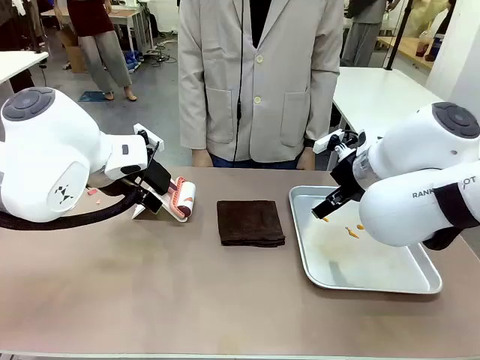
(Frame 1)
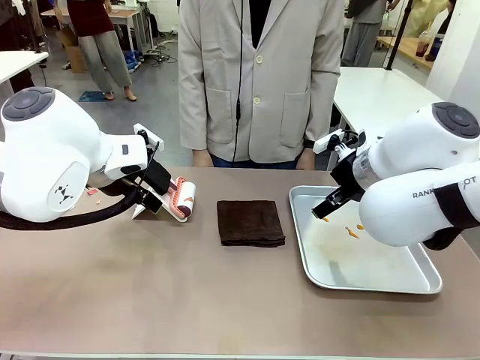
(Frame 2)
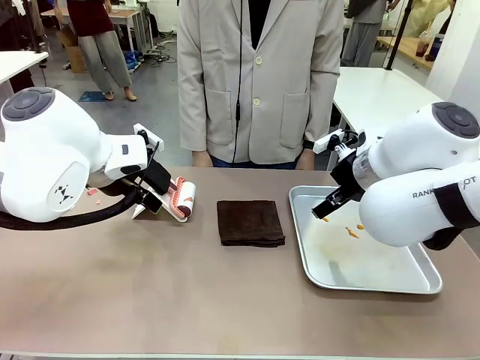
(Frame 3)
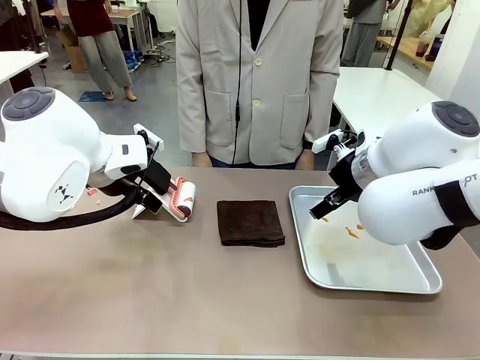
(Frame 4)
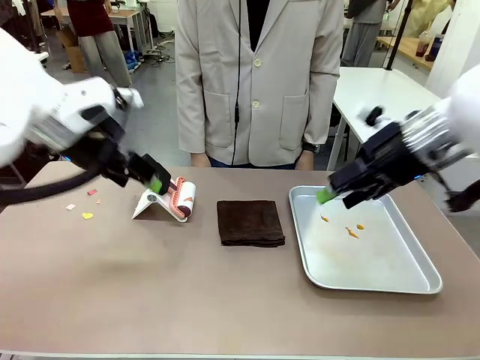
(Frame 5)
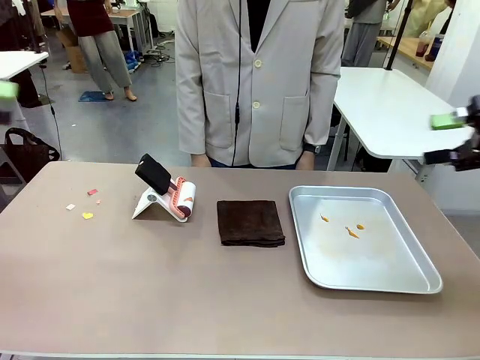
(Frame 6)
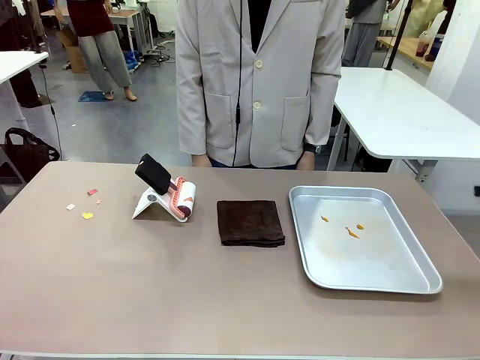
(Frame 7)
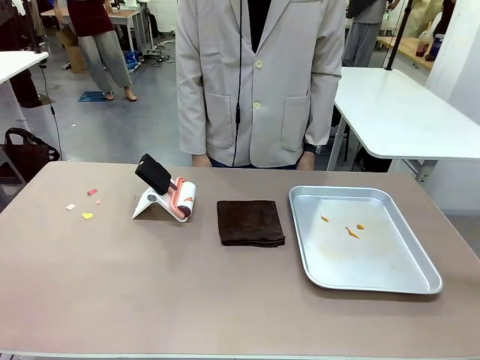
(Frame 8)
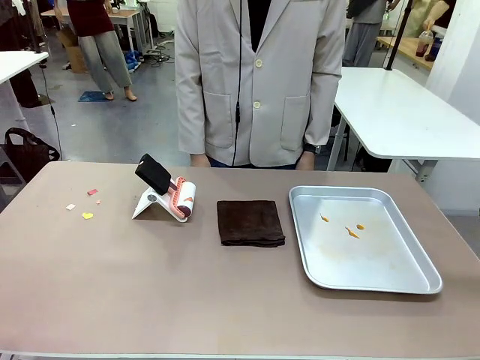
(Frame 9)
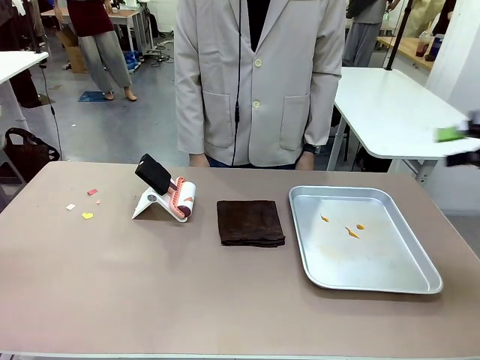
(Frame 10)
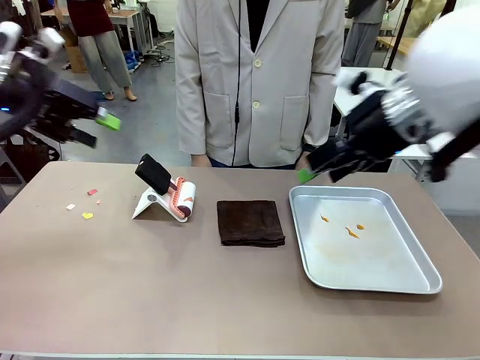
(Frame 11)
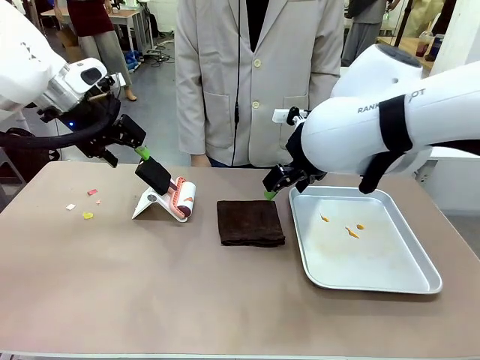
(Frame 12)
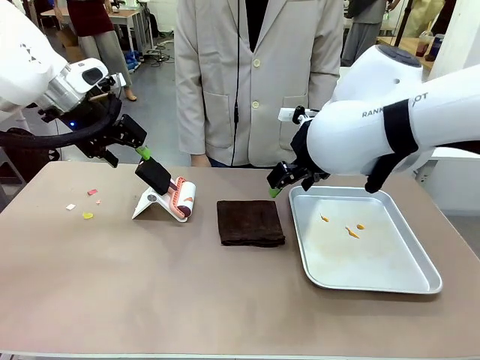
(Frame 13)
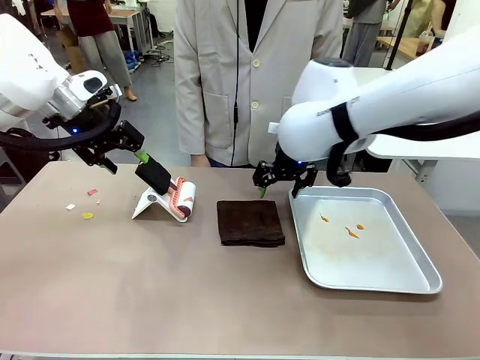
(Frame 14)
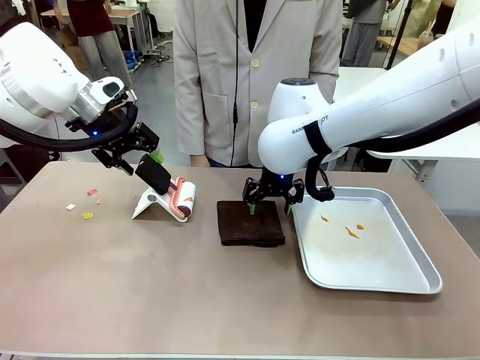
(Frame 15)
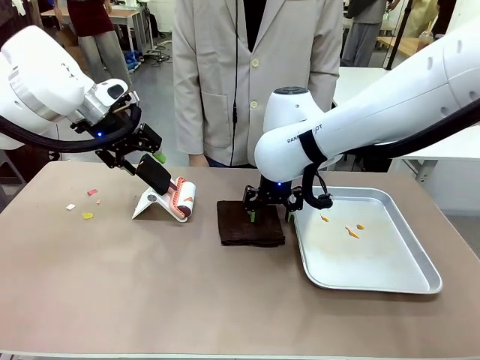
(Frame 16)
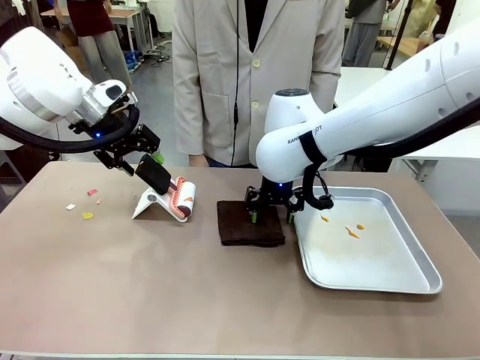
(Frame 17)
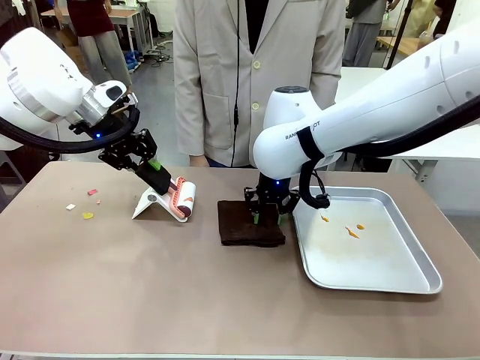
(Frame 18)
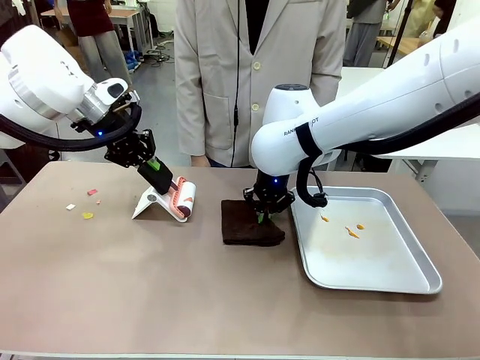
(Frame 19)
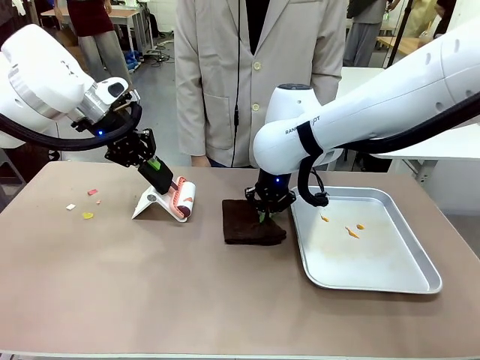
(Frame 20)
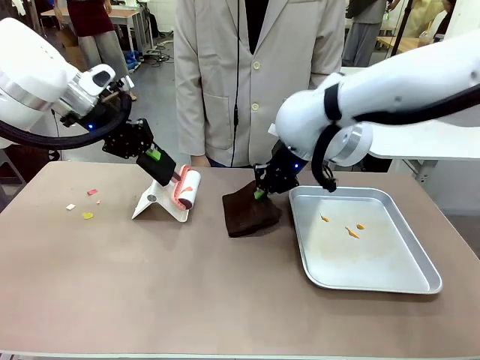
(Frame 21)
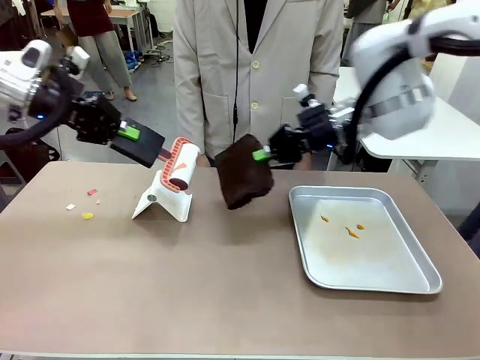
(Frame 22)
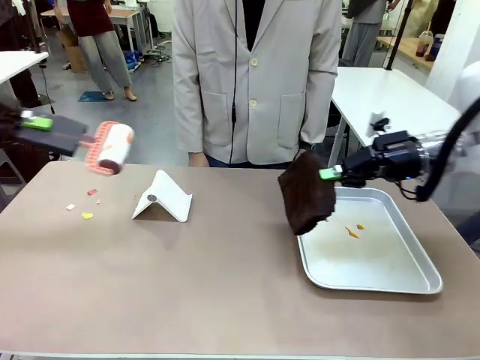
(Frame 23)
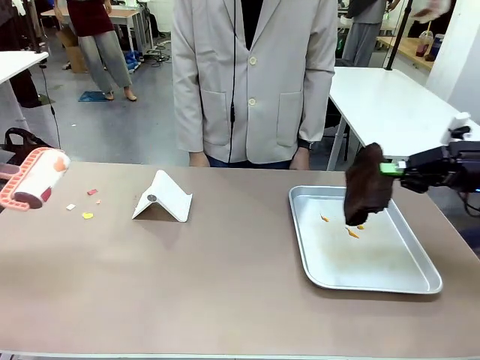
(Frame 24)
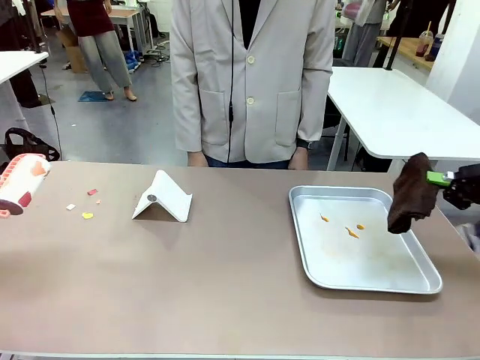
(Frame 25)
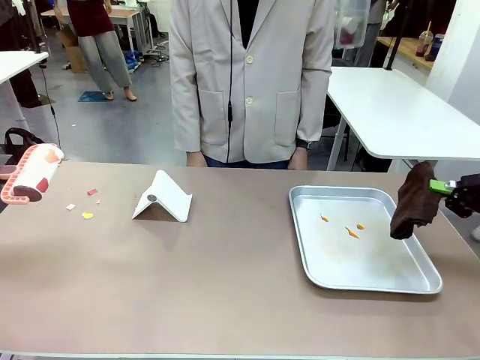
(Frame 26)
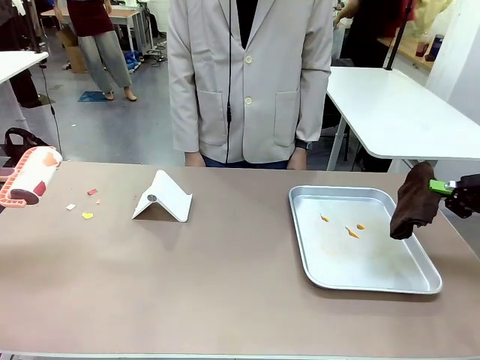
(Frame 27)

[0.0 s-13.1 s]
Task: Clean the surface of the table.
Robot: Hold the Lint Roller with your left hand and the towel with your right hand.

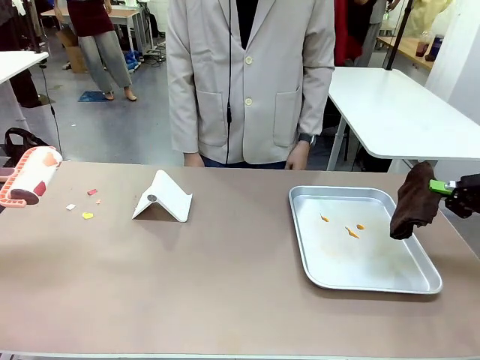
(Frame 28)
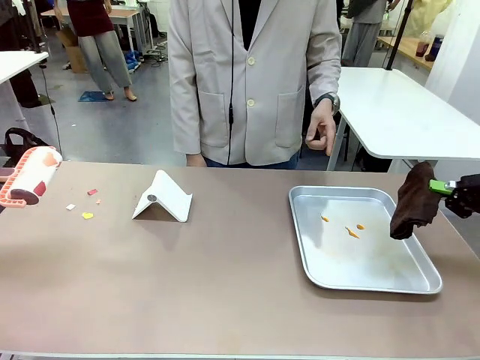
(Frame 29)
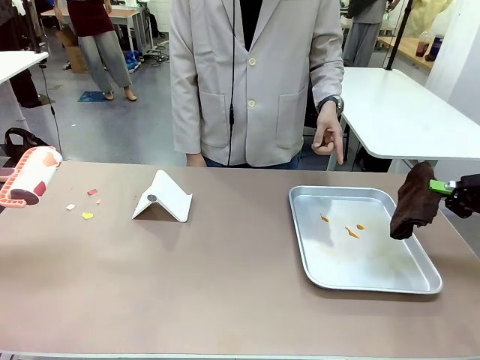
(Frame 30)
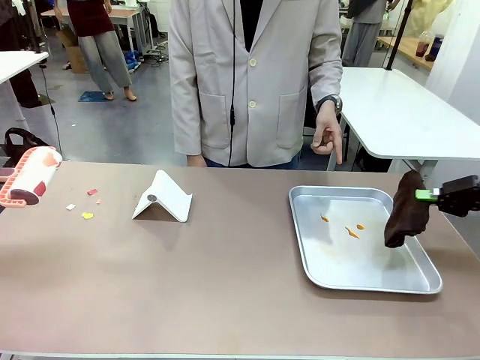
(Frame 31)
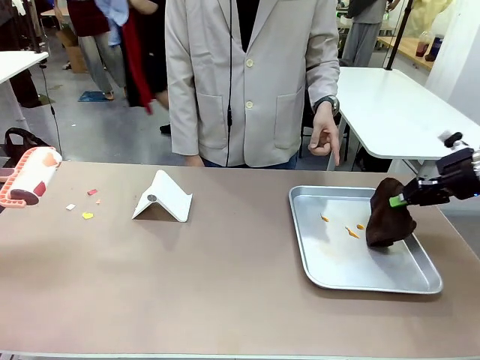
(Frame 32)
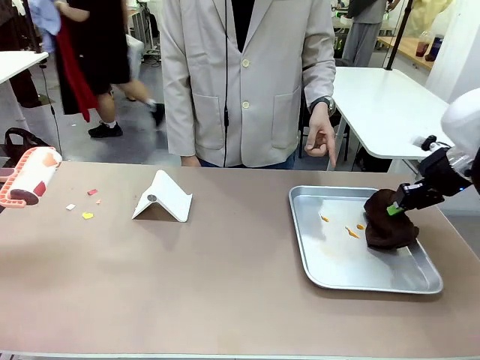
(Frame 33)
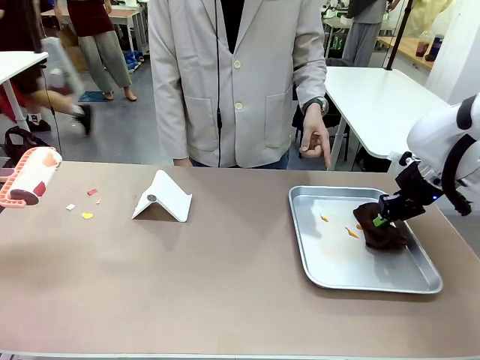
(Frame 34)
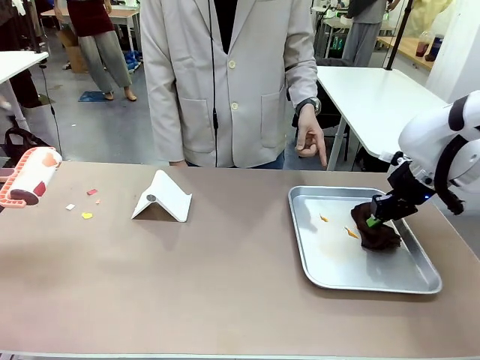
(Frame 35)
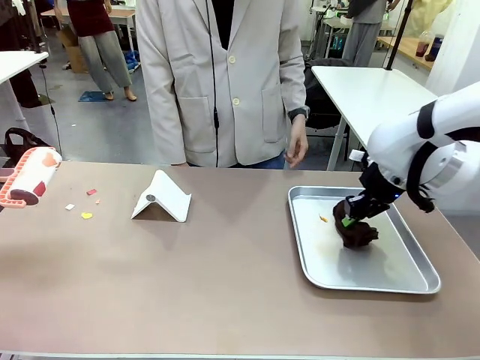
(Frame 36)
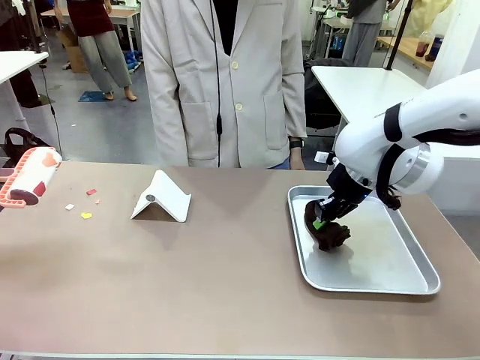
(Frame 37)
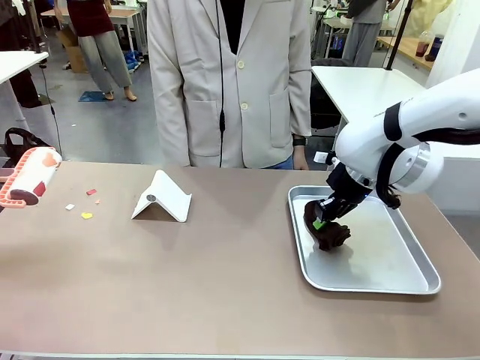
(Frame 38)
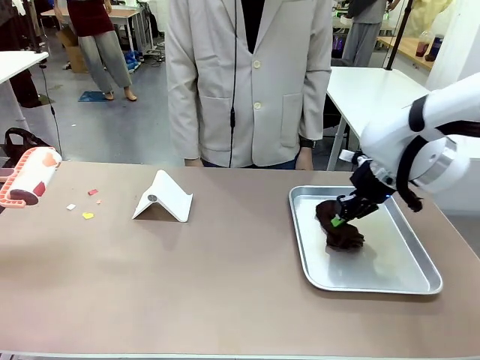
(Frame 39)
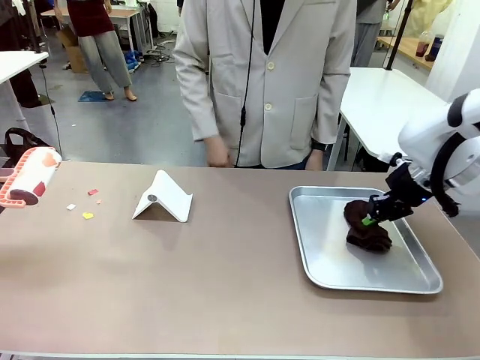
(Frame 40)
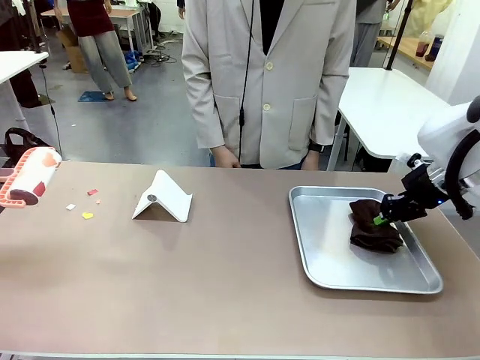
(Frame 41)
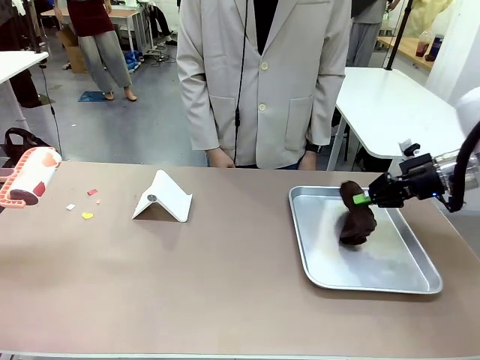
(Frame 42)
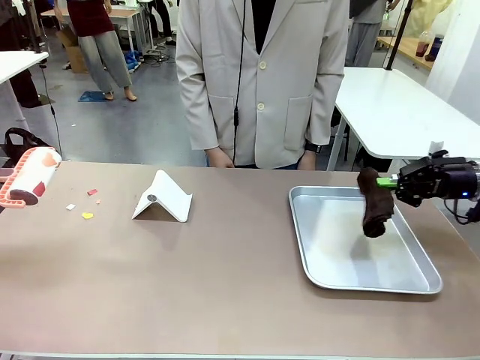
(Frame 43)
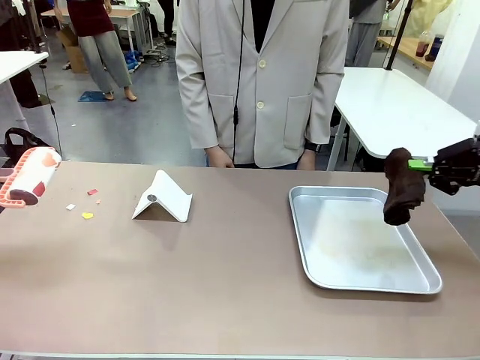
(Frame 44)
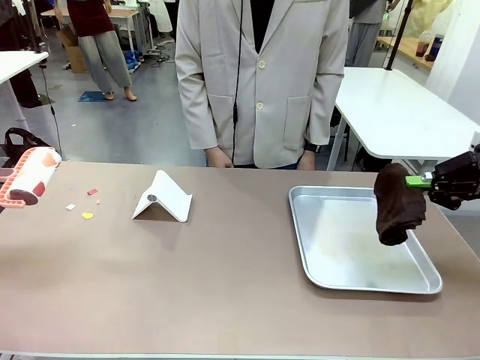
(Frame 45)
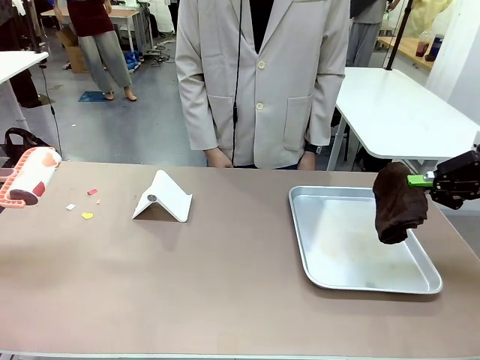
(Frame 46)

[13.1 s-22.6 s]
Robot: If a person points to the right, clean the right side of the table with your right hand, and if they point to the left, clean the left side with your left hand.
